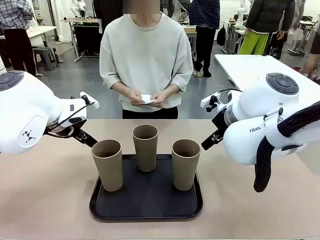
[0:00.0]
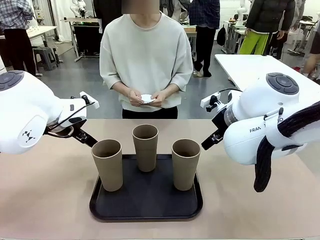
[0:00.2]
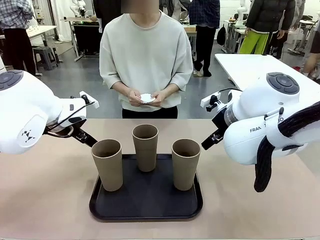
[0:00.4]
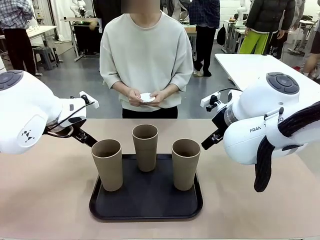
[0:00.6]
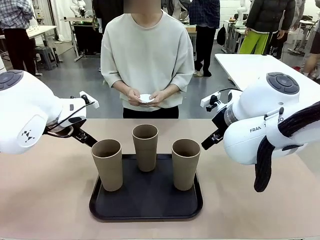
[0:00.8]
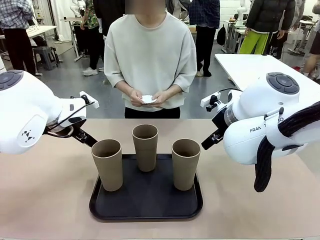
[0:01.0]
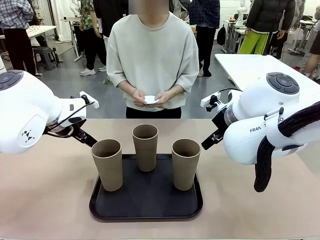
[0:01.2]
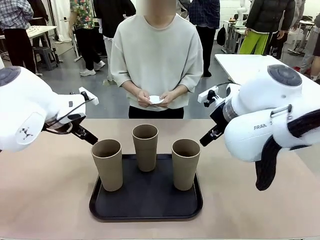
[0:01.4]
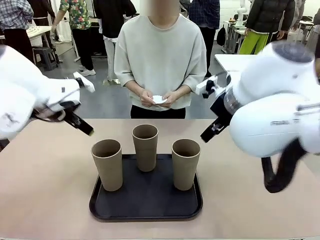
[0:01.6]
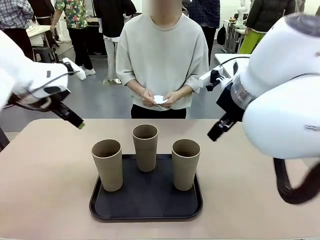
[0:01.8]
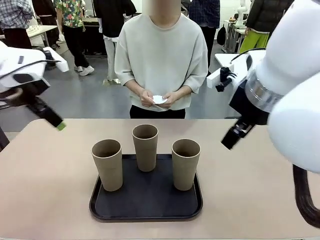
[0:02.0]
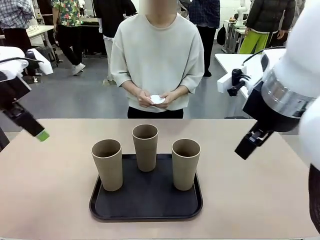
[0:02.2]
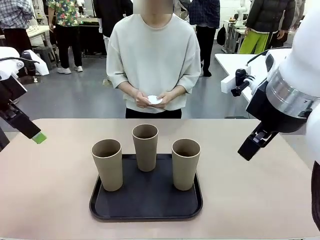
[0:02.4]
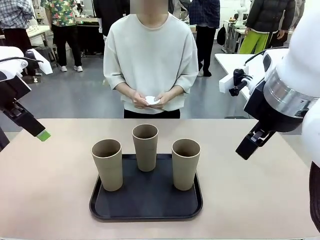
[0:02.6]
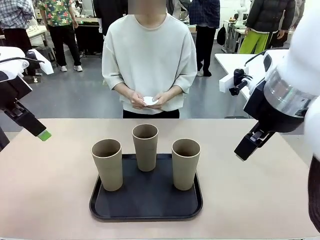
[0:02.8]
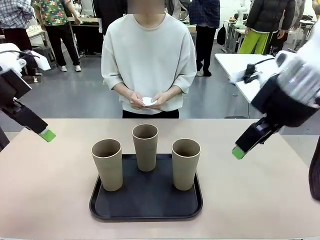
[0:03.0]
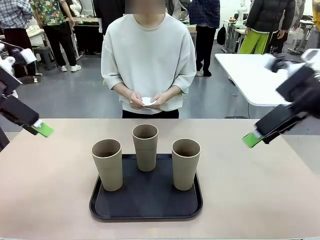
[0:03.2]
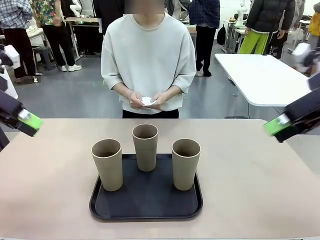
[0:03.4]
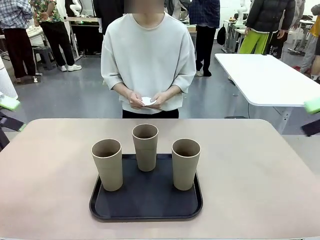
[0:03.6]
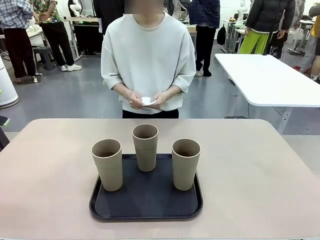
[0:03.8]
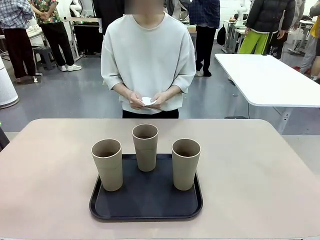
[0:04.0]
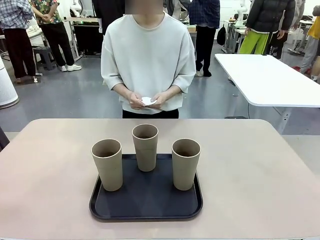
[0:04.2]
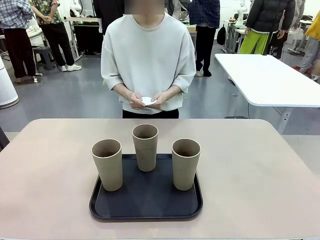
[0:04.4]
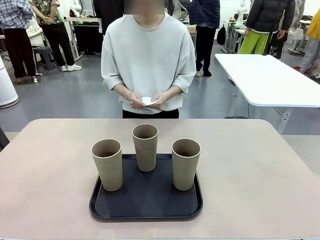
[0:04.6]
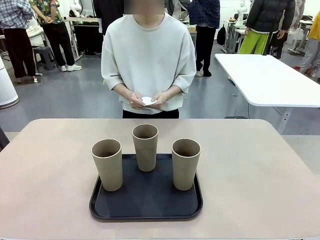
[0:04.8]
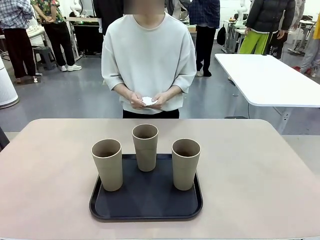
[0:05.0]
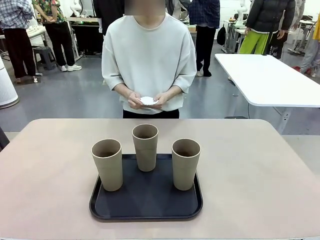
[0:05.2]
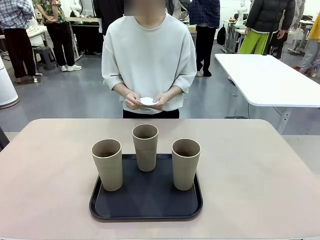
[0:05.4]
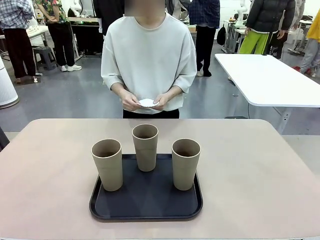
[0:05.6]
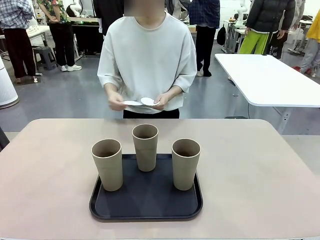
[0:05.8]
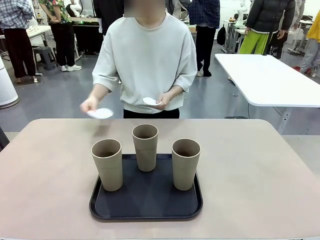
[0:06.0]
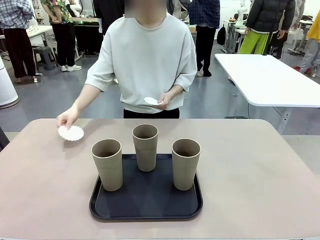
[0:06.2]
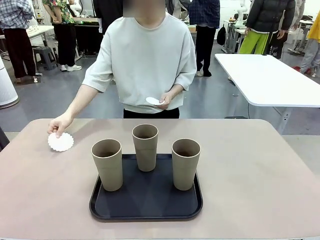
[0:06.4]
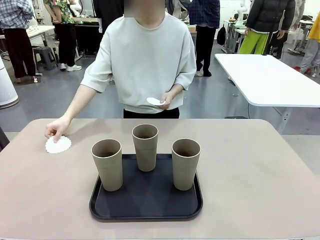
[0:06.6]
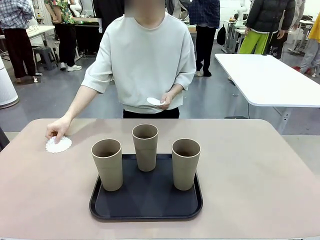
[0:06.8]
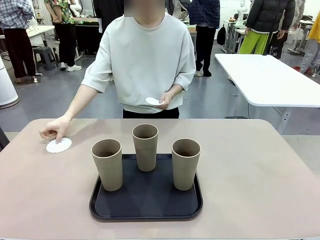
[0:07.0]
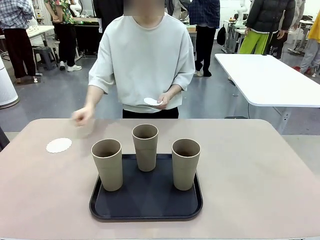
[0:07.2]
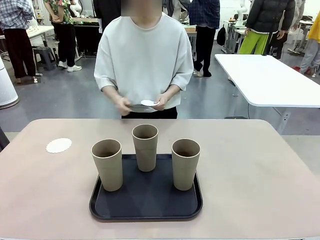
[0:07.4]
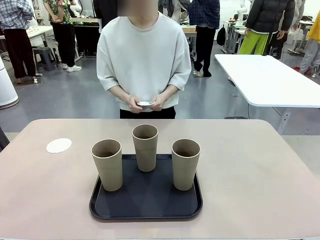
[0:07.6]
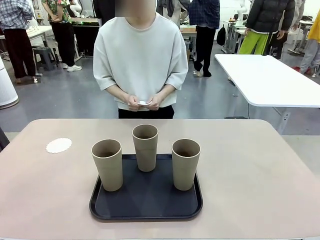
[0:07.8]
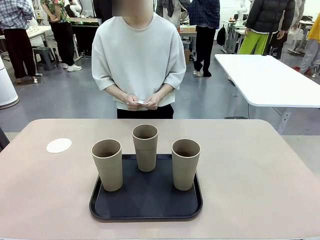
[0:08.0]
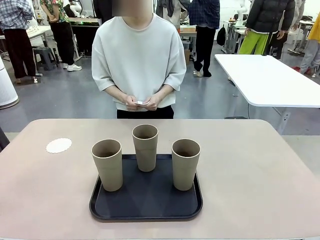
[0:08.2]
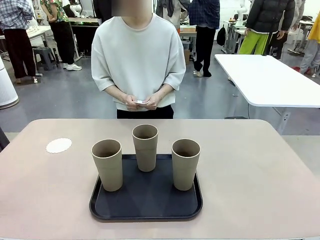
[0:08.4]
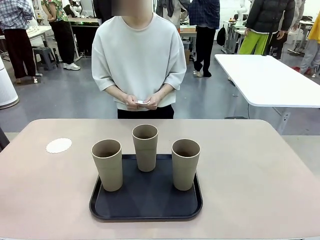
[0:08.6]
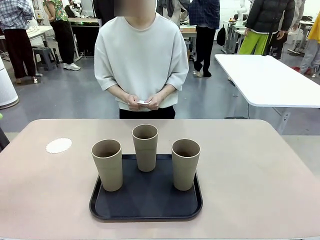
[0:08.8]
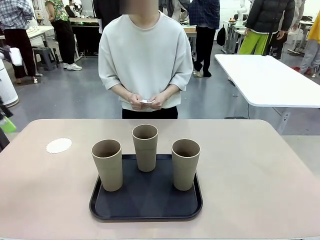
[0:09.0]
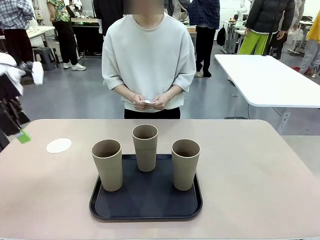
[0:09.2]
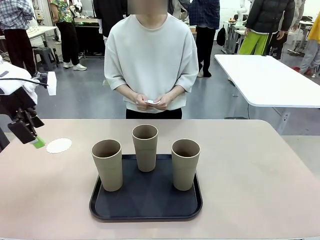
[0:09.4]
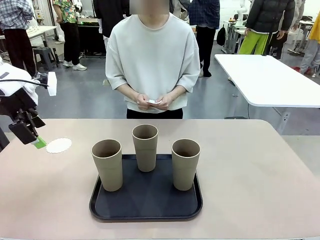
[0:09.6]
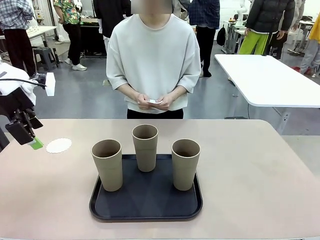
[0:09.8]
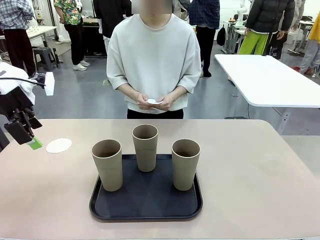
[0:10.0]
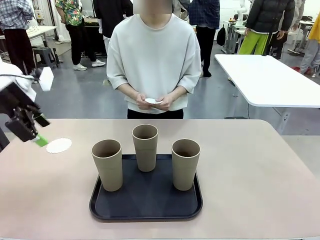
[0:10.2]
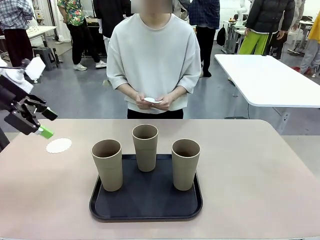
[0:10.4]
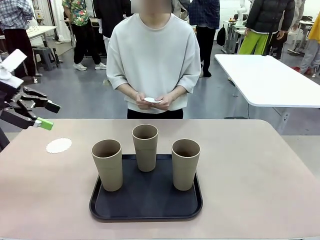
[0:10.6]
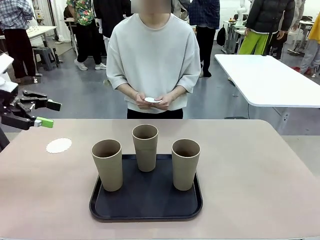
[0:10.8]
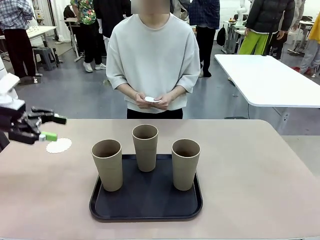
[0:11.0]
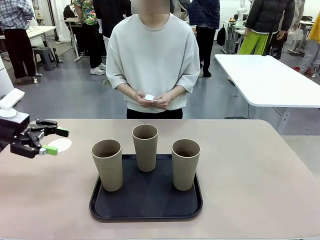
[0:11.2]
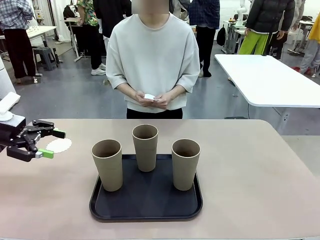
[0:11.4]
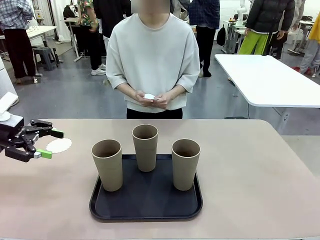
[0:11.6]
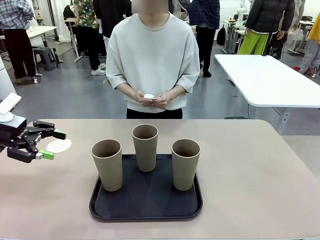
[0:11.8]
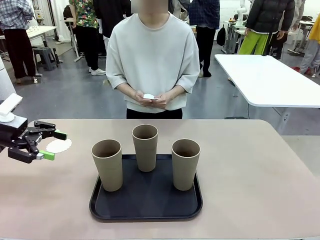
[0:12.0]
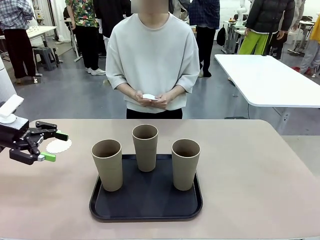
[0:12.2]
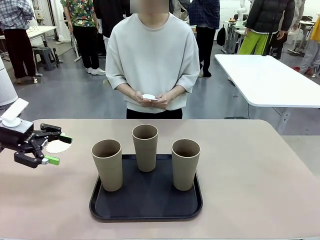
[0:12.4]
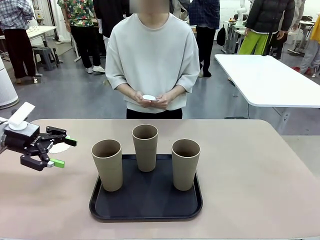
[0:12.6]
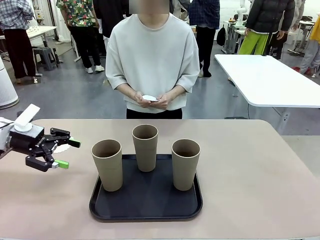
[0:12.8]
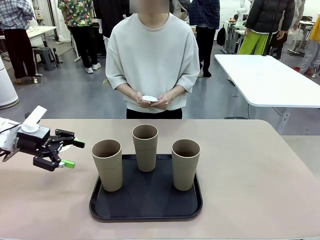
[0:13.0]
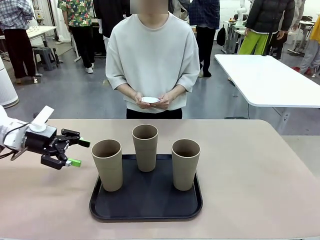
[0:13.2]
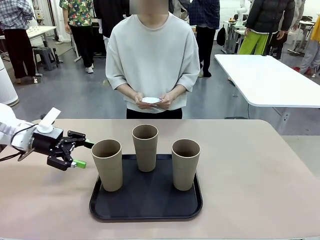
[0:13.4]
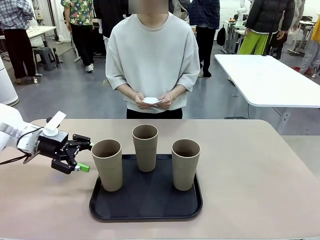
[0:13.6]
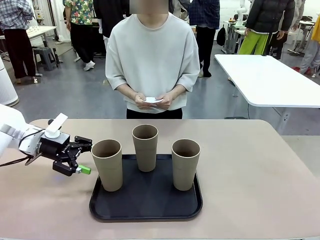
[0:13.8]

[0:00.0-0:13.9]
Task: Place coasters on the table and set cups on them.
Robot: Pick up one Reusable plastic cup and place it on a coaster set by the human.
Person: Place one coaster in any one of the three lower areas of the robot table (left, center, or right).
